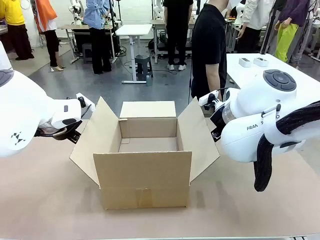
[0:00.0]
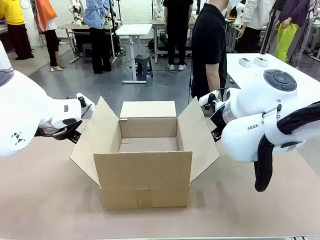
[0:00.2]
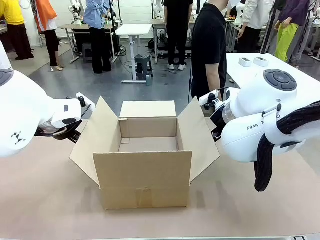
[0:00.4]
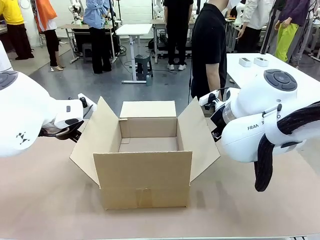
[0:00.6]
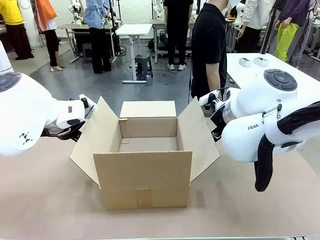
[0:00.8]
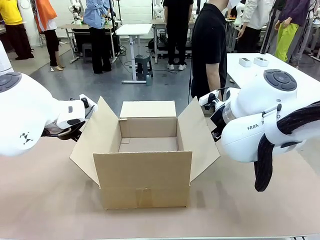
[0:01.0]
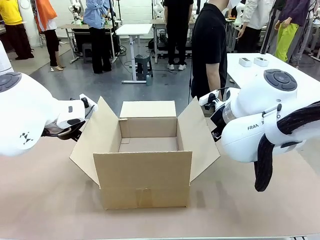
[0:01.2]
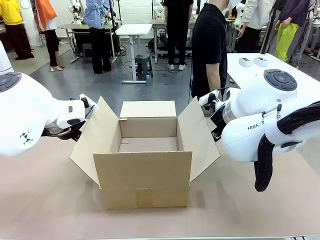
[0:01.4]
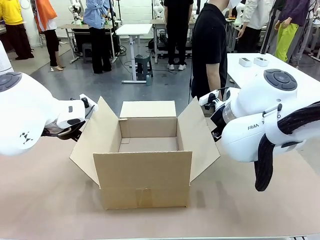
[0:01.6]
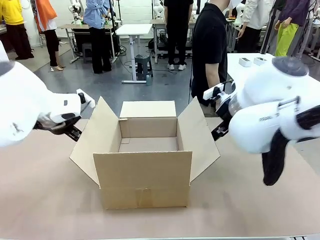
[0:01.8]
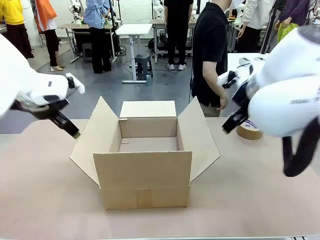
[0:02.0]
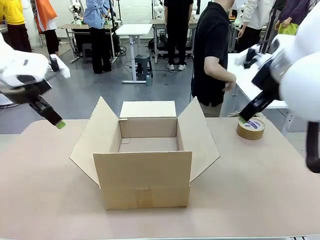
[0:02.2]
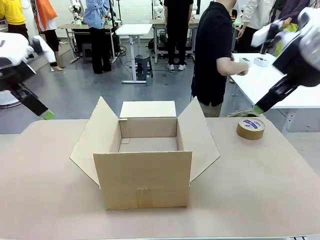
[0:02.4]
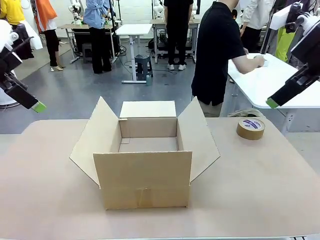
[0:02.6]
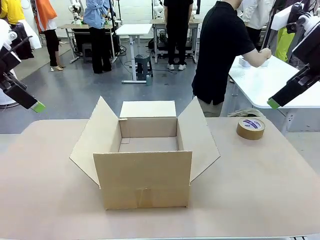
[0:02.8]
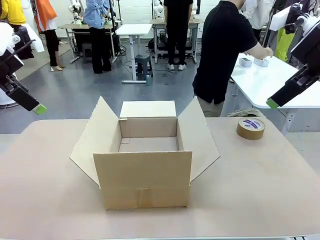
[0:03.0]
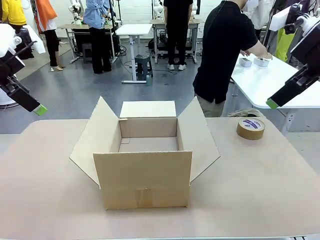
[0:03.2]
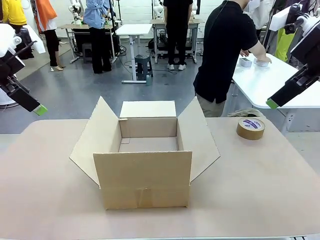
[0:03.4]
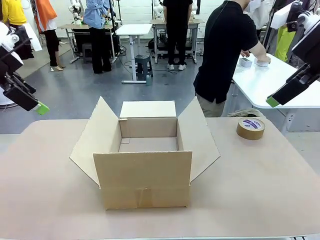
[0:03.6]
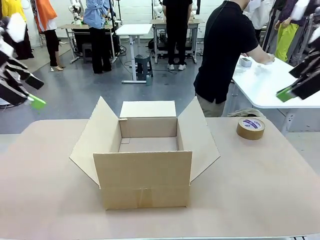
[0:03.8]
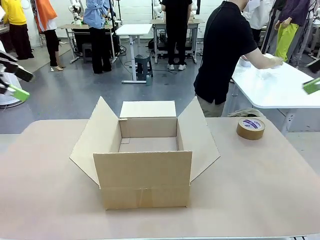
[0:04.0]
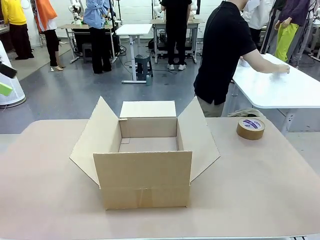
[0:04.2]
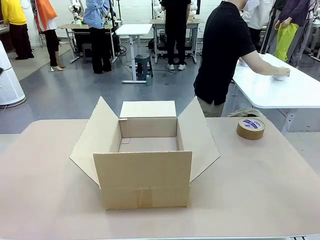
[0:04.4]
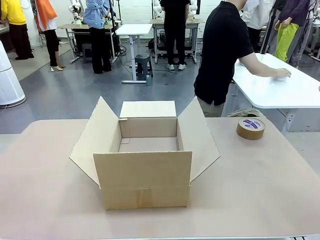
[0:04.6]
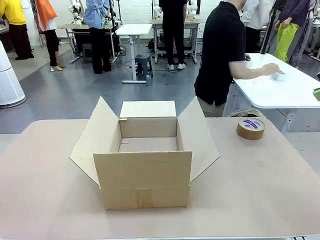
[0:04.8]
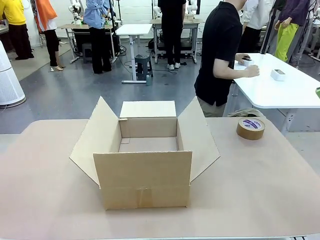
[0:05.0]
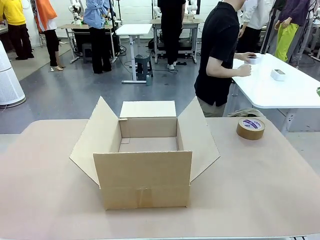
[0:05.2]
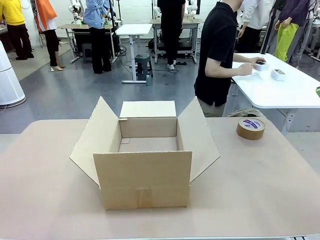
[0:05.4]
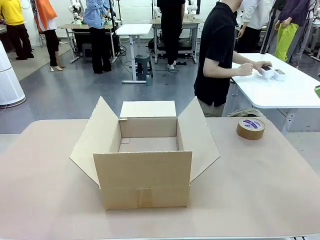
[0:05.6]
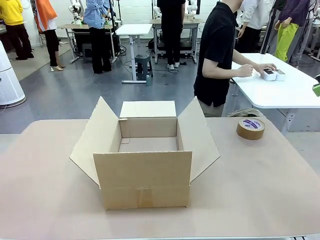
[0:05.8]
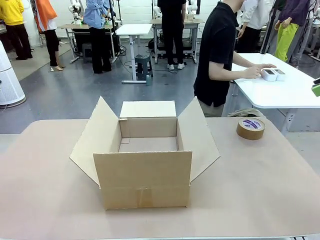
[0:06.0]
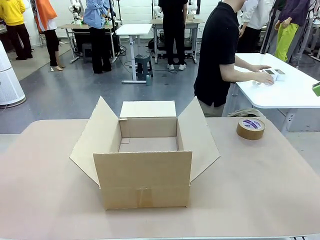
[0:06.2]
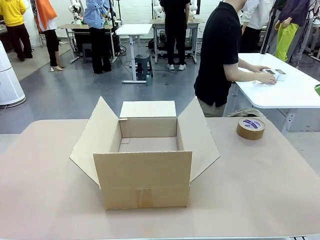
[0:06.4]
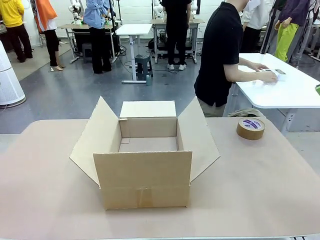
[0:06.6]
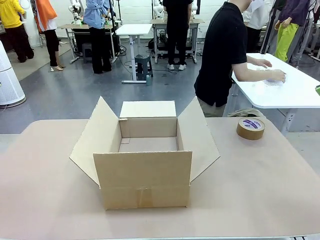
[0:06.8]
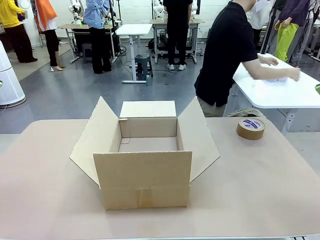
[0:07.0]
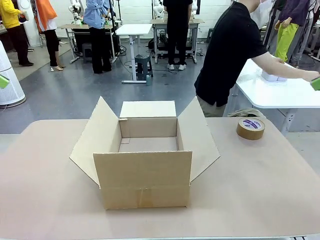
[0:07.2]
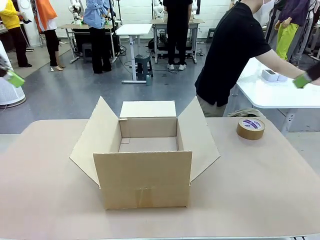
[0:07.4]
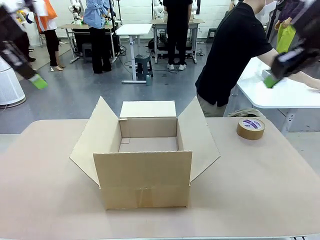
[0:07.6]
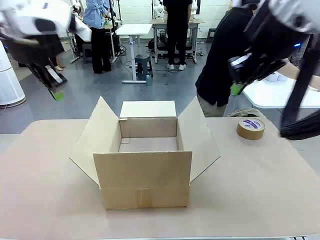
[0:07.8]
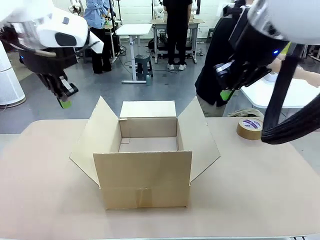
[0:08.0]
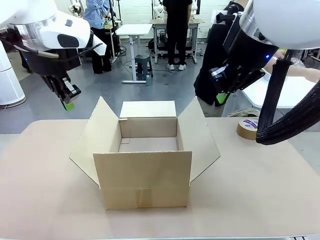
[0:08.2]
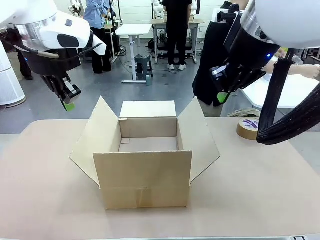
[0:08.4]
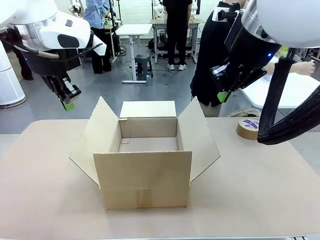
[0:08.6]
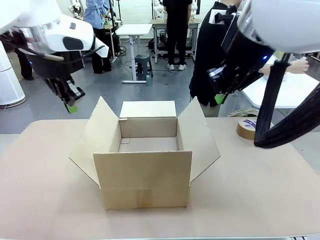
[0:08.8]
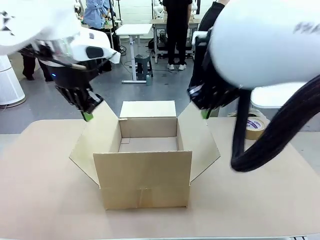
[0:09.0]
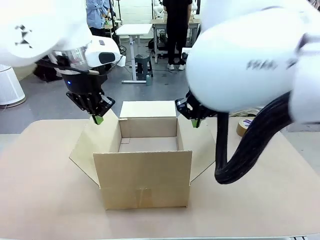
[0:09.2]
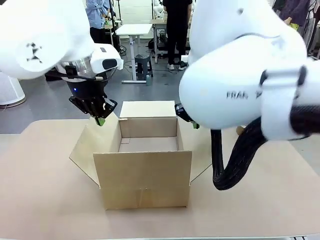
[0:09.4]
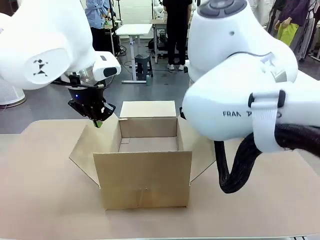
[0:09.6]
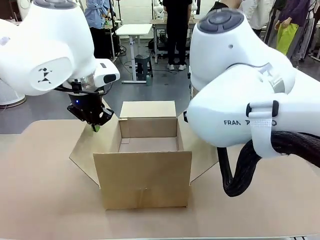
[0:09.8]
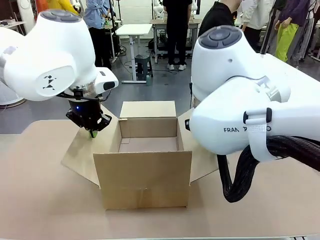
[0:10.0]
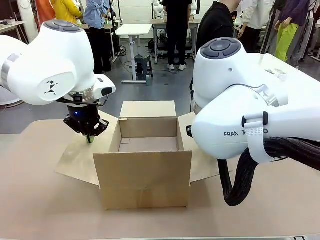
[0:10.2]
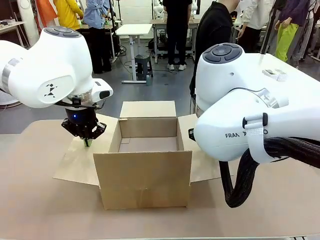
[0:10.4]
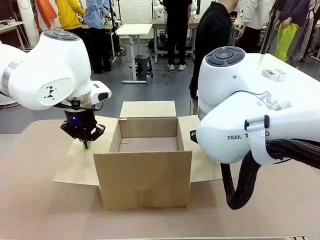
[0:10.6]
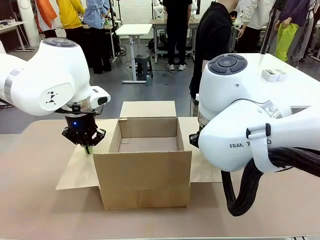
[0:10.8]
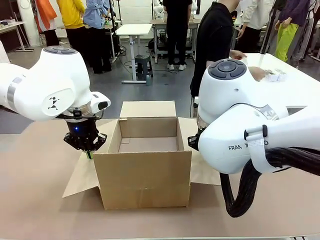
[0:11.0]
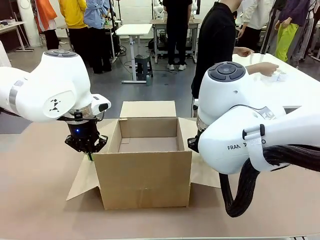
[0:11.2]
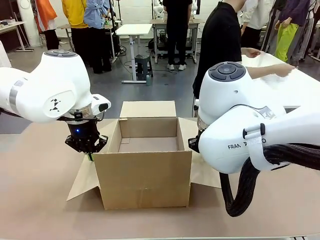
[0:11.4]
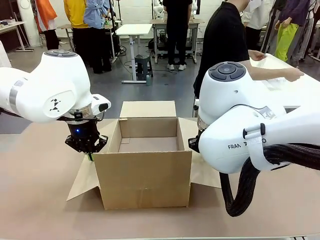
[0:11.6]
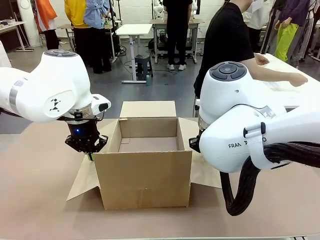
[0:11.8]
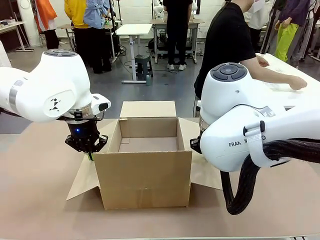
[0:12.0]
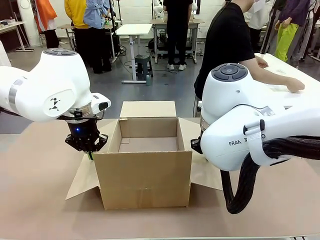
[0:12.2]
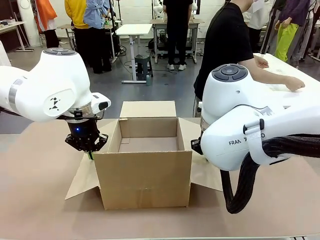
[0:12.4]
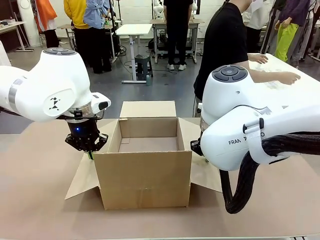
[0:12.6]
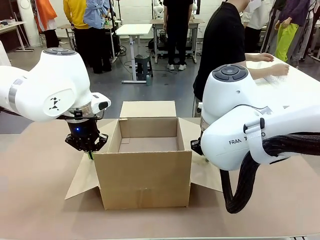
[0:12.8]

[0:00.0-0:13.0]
Task: Wrap the clocks to prevent damage.
Robot: Open the side flaps of the Package Box.
Person: Wrap the two Digital clocks with Bubble Wrap.

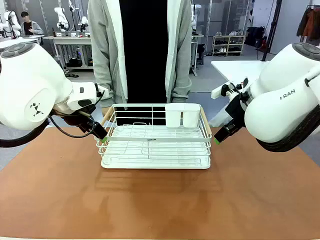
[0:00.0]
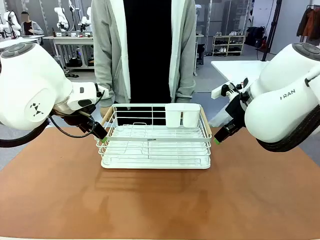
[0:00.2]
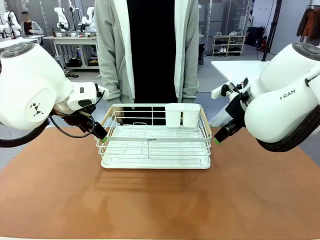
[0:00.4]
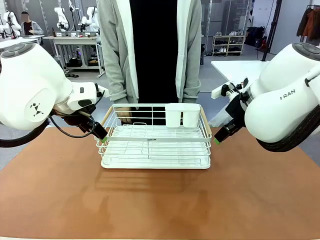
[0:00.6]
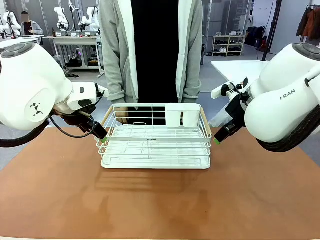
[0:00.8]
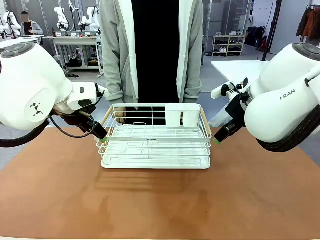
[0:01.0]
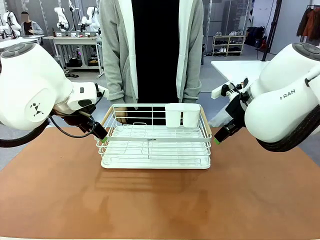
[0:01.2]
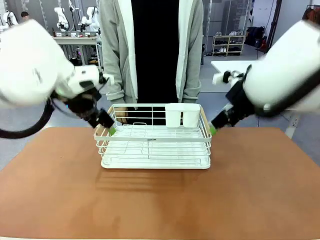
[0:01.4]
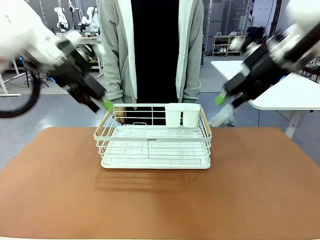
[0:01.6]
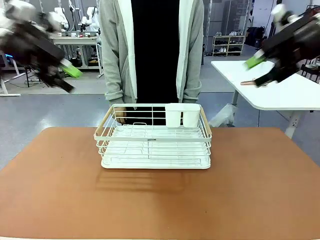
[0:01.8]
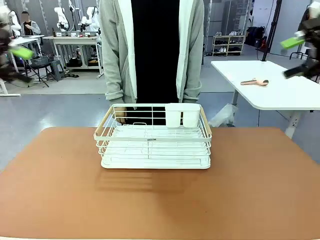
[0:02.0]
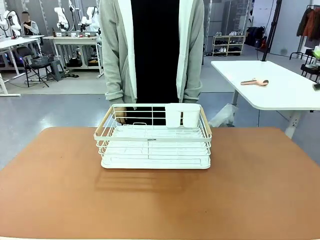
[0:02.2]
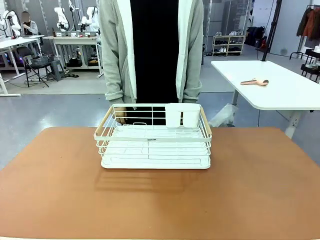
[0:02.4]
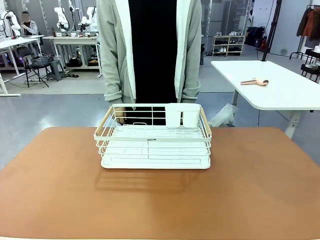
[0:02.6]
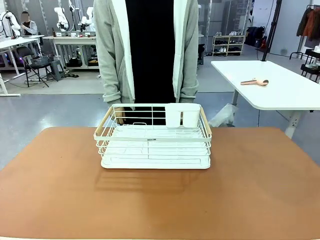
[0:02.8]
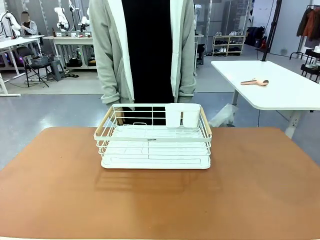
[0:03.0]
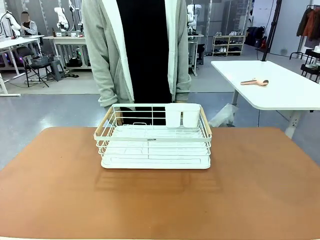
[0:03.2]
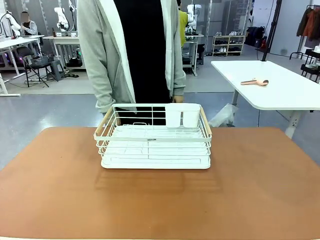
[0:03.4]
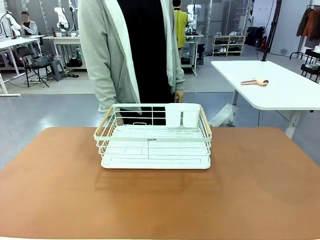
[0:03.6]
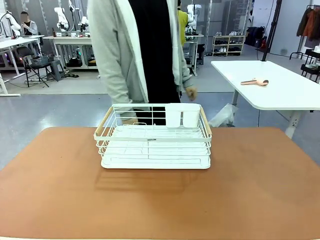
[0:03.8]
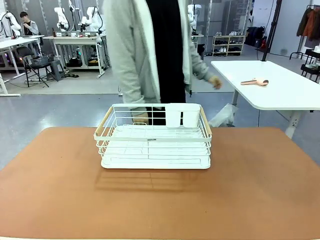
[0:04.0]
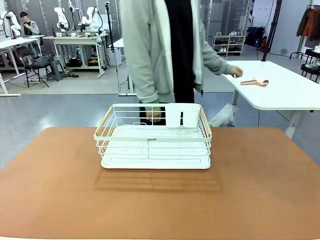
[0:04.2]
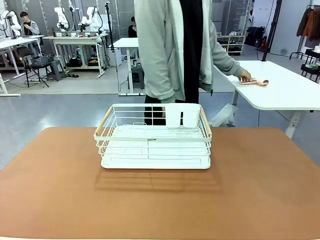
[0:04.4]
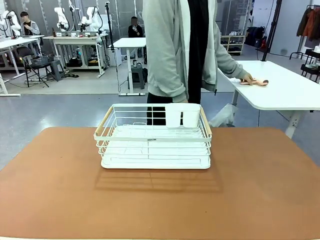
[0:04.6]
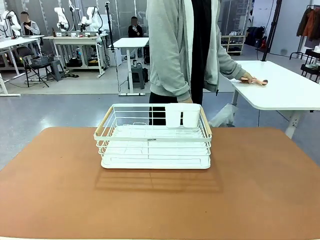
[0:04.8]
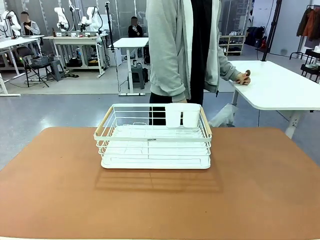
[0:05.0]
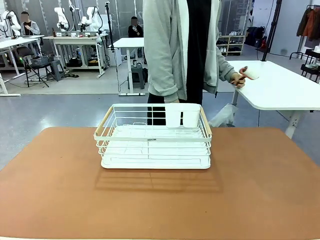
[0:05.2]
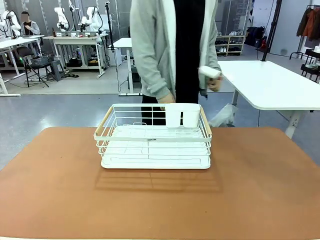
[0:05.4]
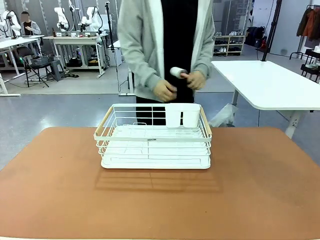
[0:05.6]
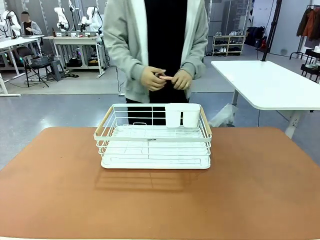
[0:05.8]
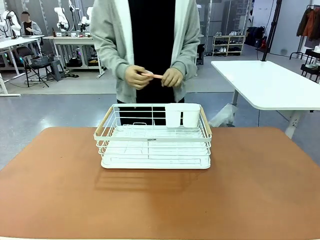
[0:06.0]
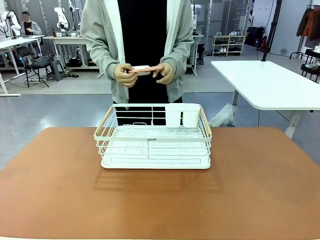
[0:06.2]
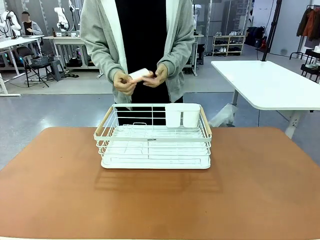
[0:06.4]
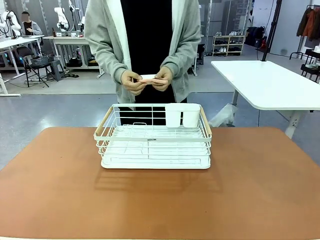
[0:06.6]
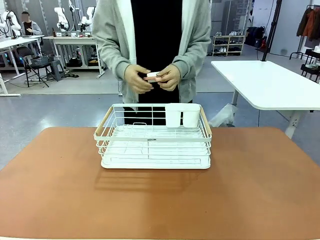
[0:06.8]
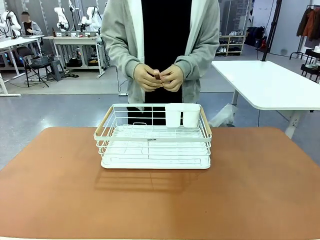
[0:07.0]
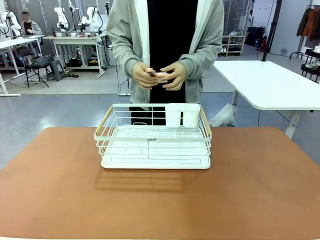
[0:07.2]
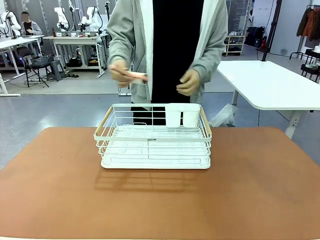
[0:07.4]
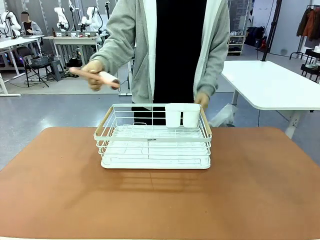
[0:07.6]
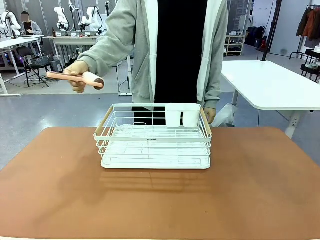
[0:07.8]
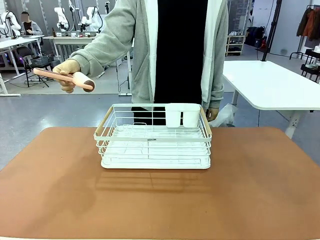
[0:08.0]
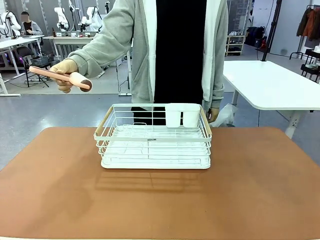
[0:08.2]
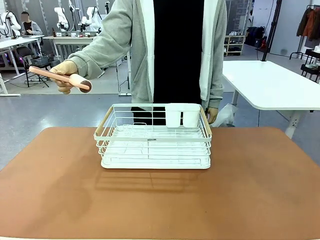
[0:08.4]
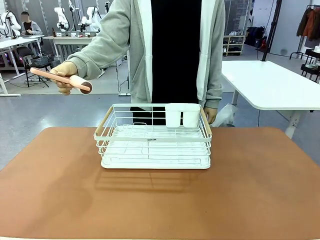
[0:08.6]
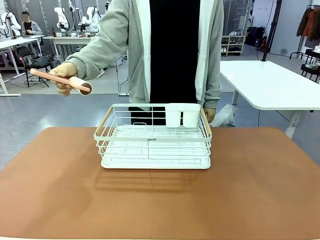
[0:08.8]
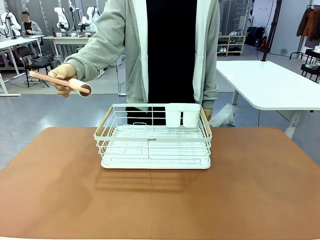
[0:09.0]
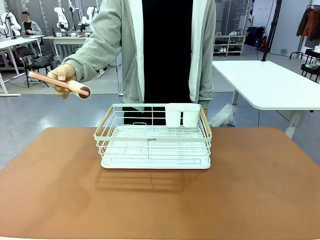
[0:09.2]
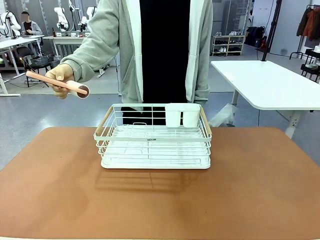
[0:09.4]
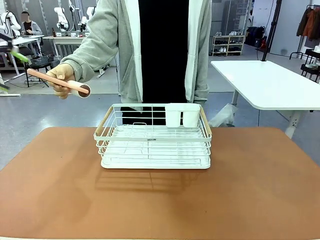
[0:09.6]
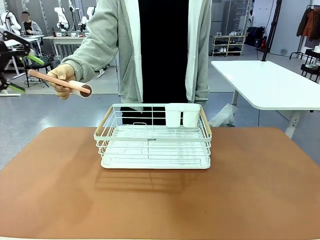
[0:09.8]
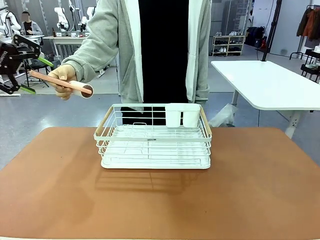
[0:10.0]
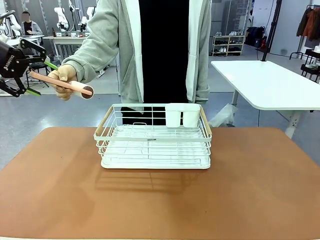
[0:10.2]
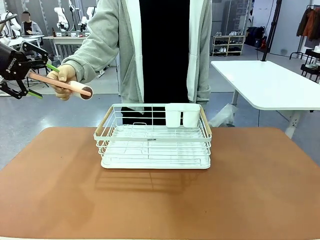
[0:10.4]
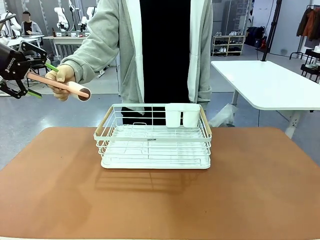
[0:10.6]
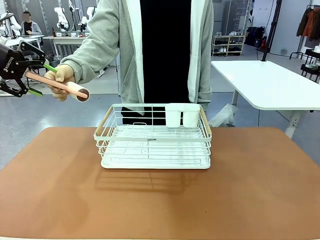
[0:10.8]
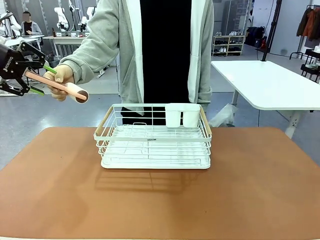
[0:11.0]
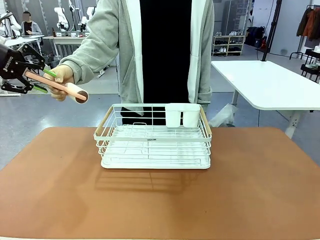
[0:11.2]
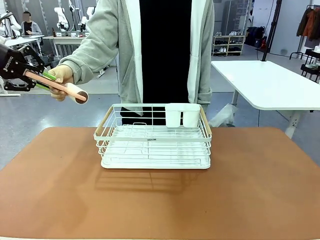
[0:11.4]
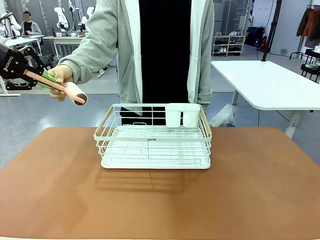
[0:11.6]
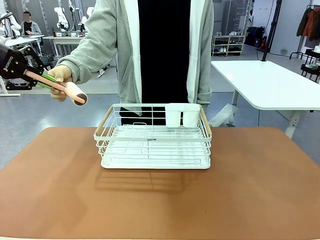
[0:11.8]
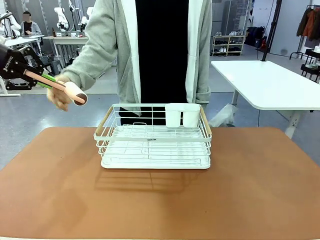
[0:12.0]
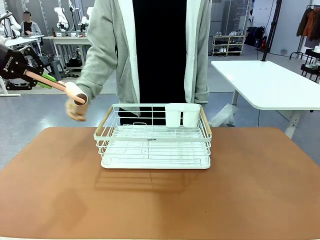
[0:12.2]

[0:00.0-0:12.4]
Task: Clean the table.
Robot: Pick up the Lint Roller when the human hands it over.
Person: Hand the Lint Roller to the robot so it can easily pick it up. Lift the Dish drying rack.
